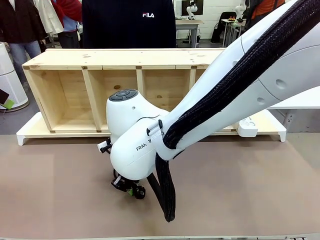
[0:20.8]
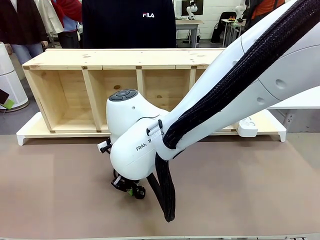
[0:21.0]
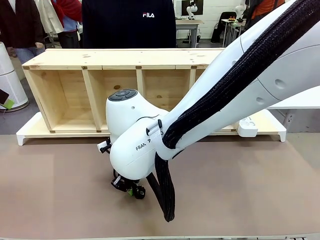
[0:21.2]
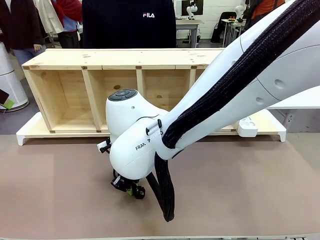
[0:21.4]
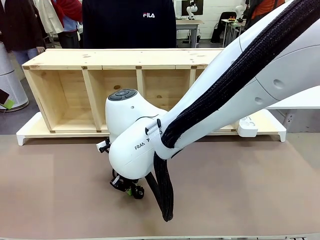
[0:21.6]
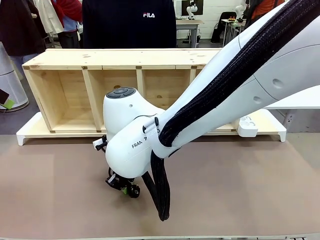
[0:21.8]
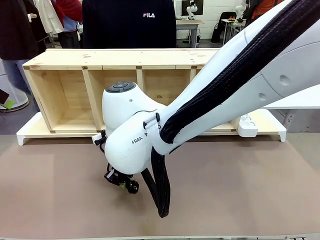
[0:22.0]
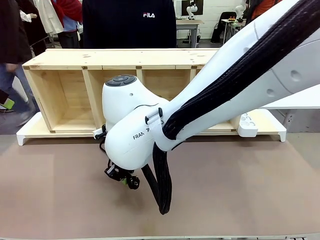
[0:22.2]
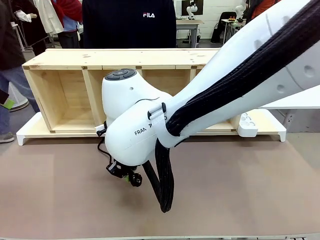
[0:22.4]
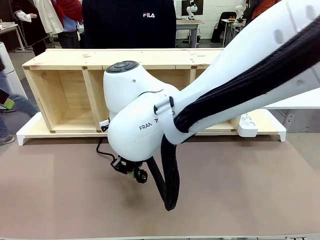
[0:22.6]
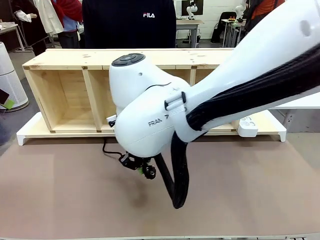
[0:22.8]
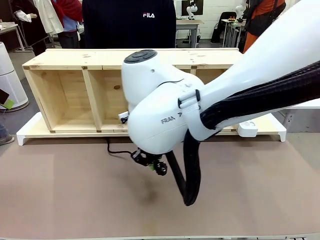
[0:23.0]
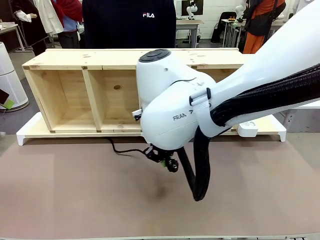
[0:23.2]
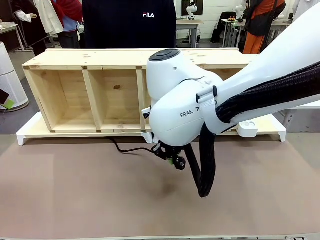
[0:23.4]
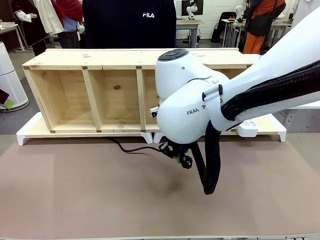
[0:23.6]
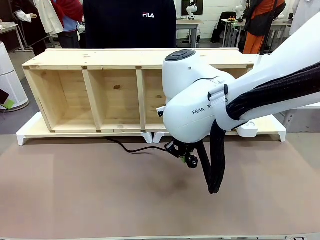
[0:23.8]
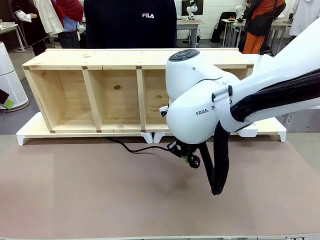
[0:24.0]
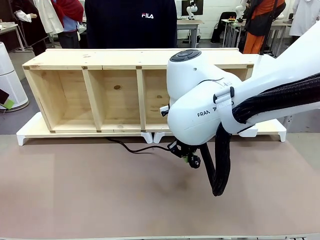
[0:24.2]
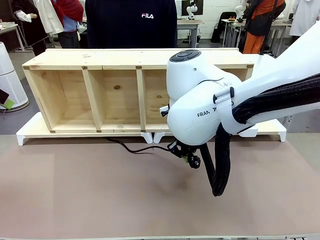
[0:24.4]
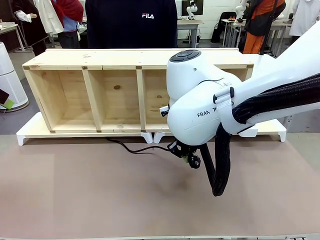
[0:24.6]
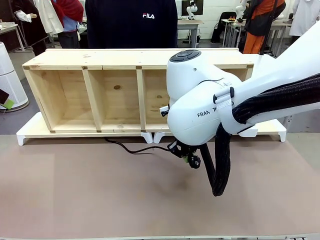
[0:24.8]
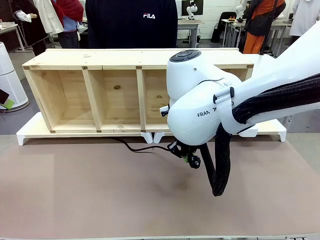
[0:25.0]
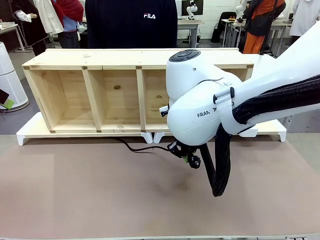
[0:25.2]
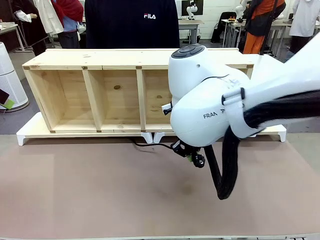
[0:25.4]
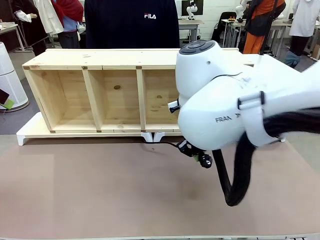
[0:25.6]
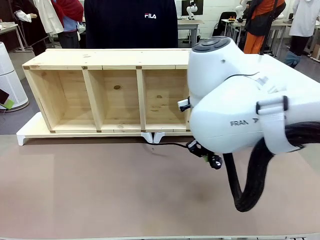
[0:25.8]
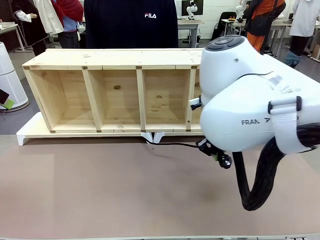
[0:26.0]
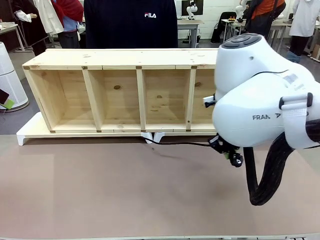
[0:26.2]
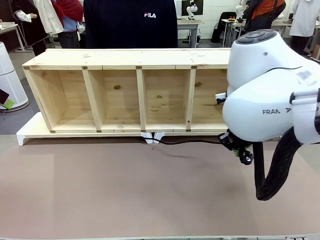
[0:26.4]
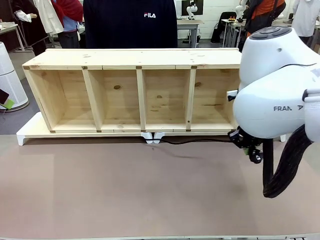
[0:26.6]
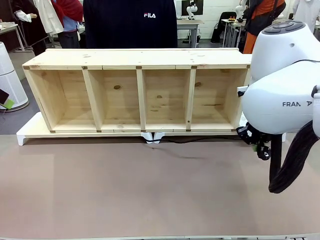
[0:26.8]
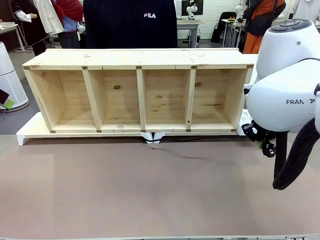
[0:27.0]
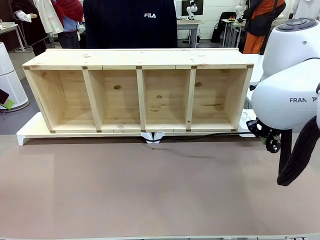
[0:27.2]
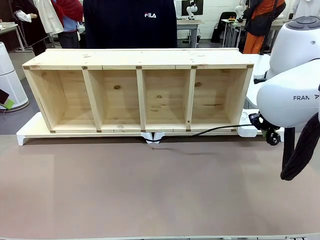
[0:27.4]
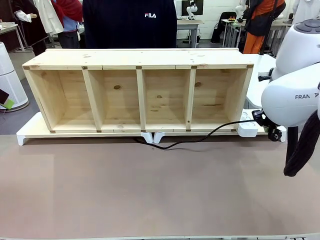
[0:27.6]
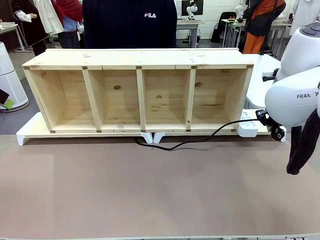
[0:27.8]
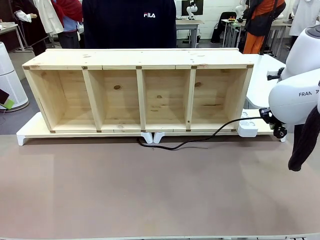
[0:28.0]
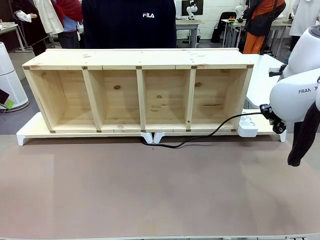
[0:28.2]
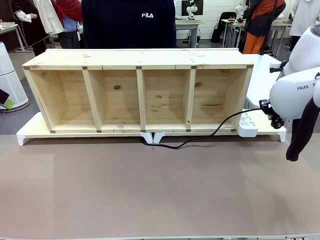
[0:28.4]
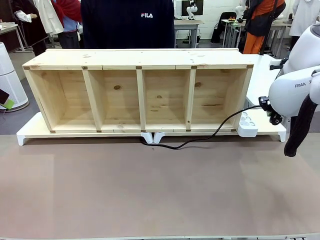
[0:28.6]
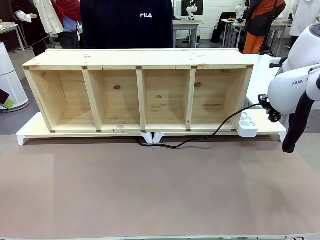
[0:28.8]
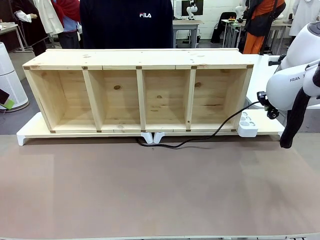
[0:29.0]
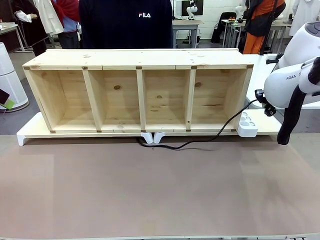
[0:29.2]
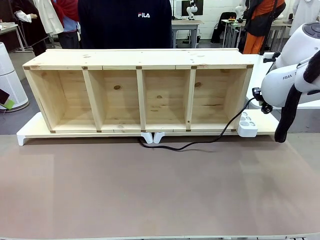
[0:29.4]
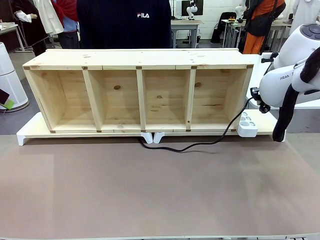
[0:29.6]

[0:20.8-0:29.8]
Task: Perform cable management.
Robot: Pull the grasped Power Cable to the location of the Power Strip.

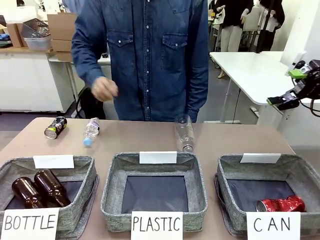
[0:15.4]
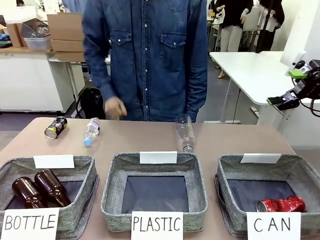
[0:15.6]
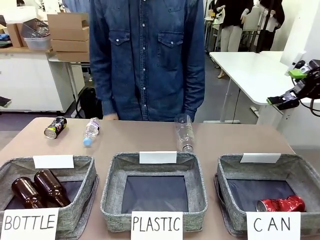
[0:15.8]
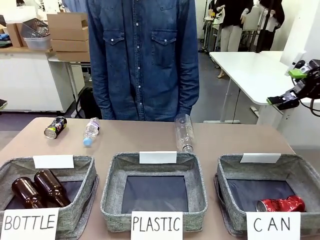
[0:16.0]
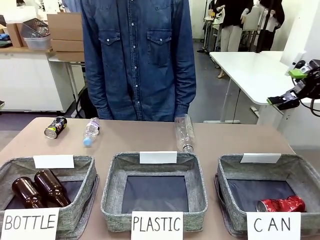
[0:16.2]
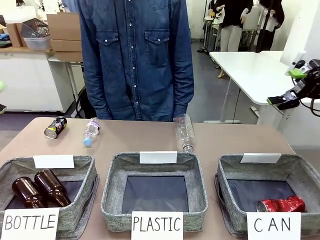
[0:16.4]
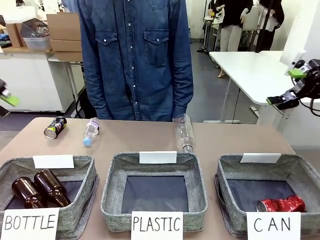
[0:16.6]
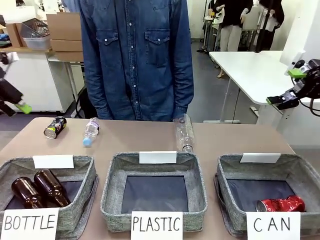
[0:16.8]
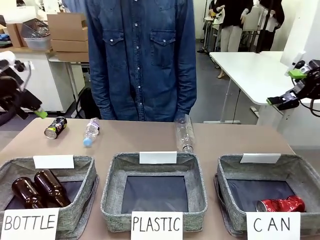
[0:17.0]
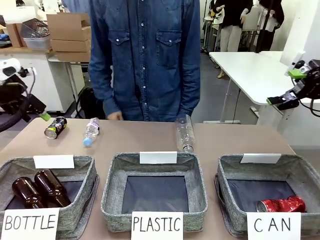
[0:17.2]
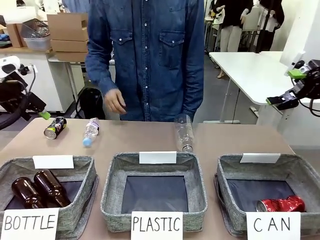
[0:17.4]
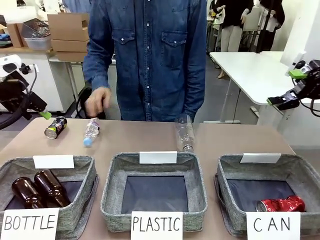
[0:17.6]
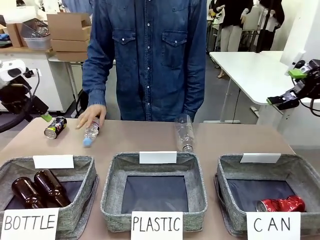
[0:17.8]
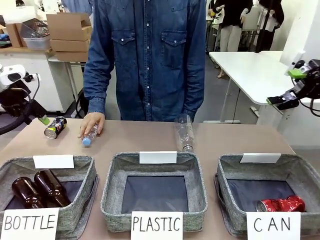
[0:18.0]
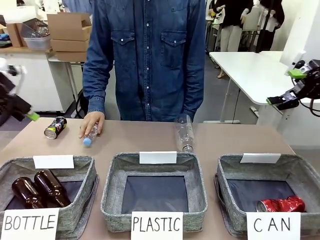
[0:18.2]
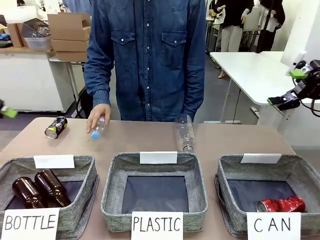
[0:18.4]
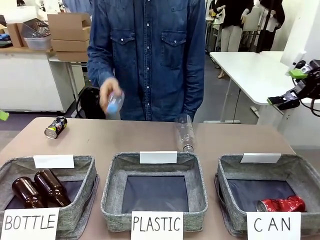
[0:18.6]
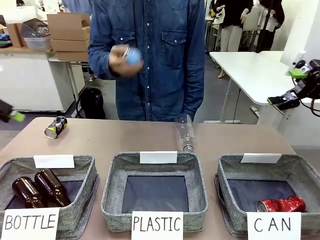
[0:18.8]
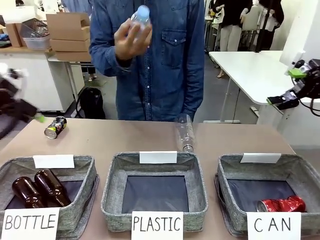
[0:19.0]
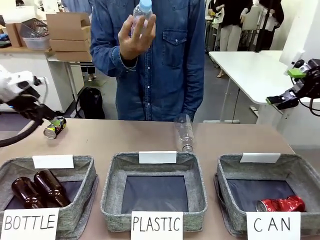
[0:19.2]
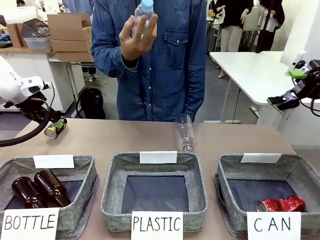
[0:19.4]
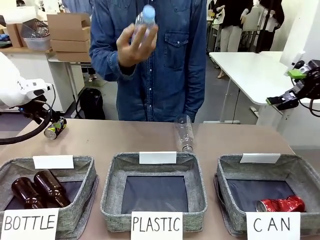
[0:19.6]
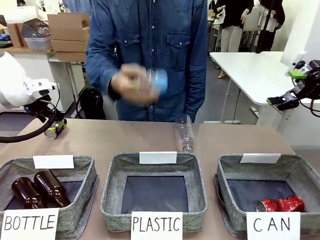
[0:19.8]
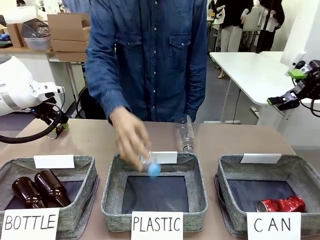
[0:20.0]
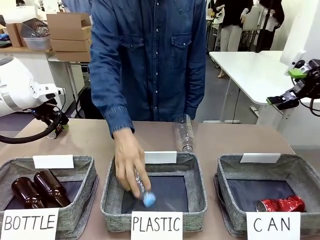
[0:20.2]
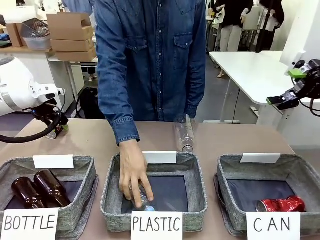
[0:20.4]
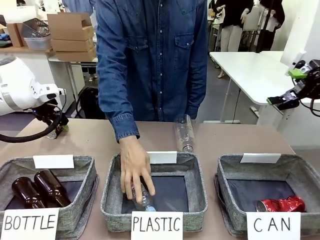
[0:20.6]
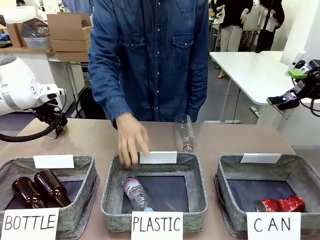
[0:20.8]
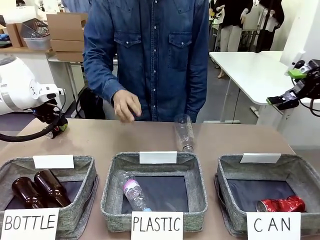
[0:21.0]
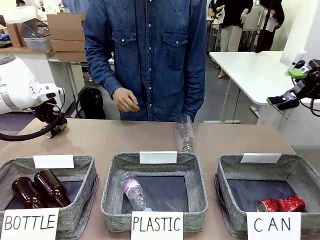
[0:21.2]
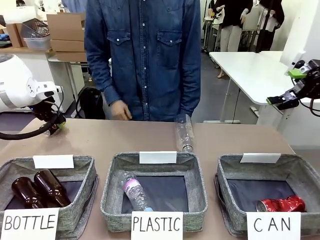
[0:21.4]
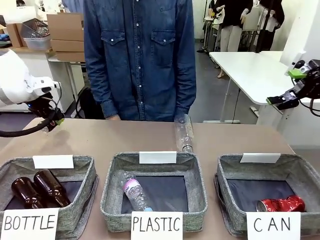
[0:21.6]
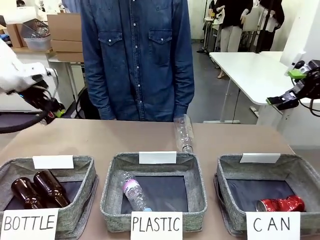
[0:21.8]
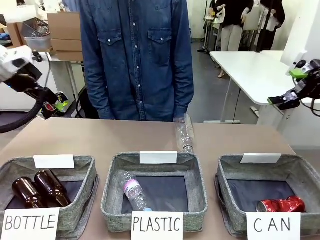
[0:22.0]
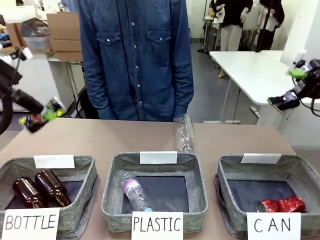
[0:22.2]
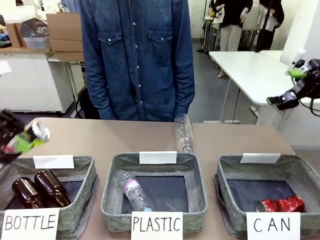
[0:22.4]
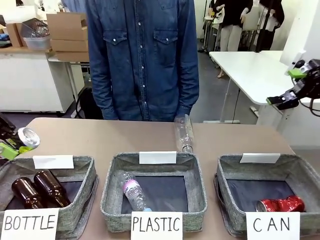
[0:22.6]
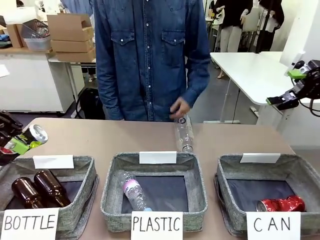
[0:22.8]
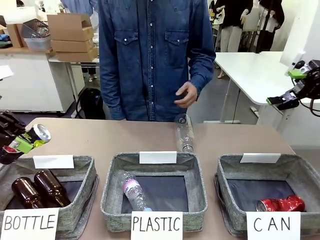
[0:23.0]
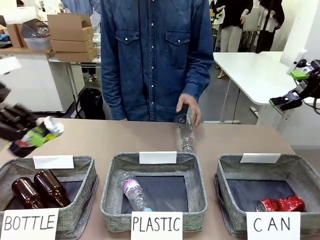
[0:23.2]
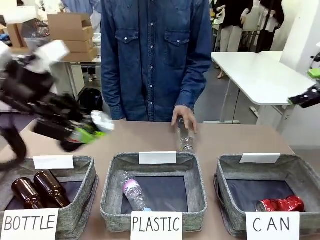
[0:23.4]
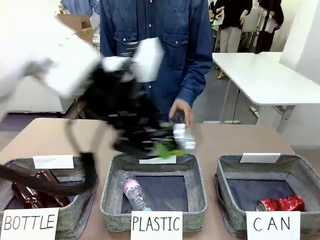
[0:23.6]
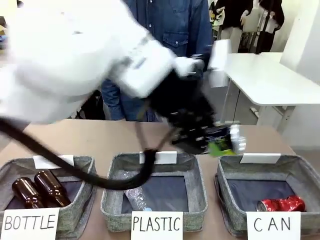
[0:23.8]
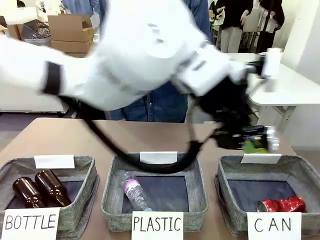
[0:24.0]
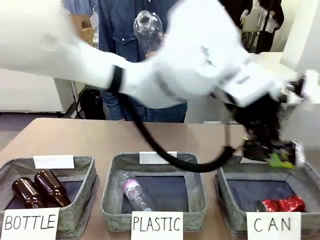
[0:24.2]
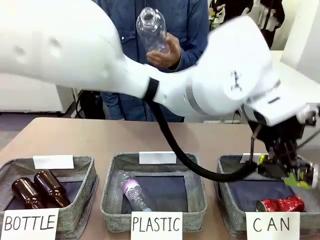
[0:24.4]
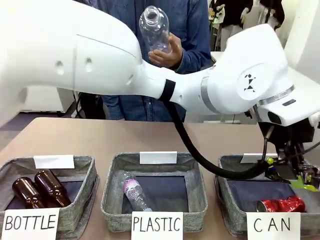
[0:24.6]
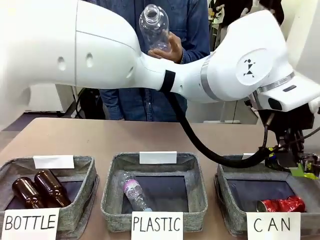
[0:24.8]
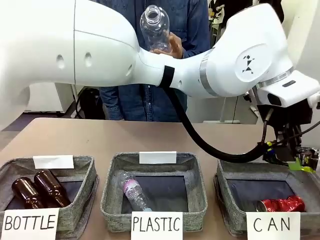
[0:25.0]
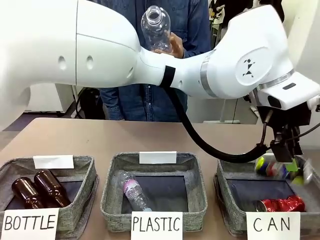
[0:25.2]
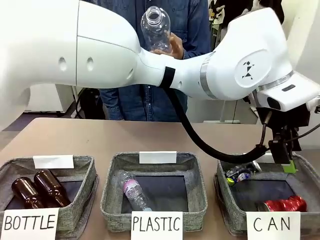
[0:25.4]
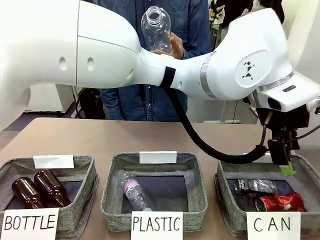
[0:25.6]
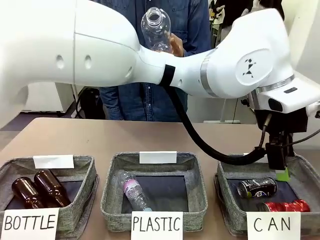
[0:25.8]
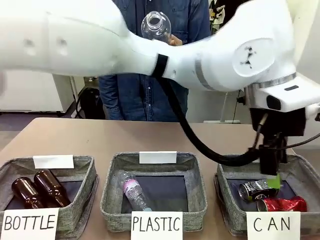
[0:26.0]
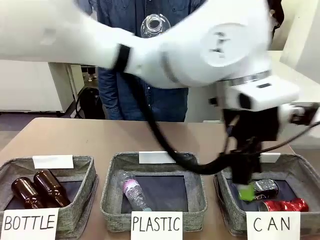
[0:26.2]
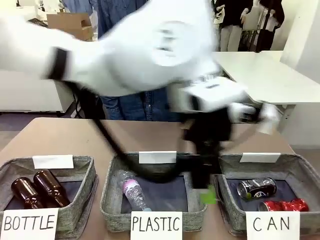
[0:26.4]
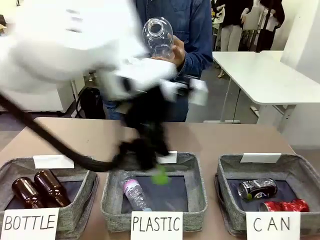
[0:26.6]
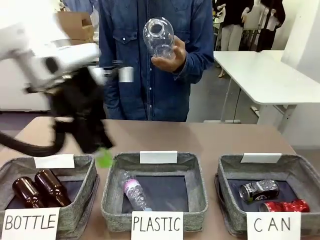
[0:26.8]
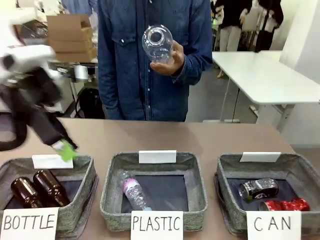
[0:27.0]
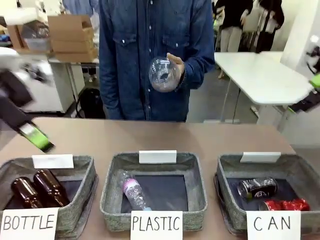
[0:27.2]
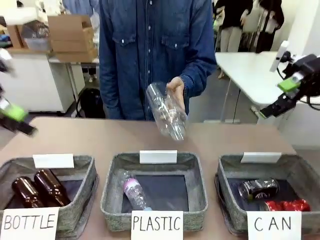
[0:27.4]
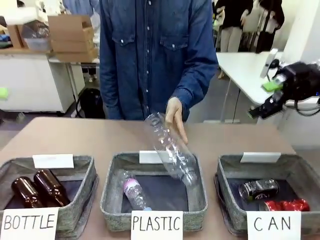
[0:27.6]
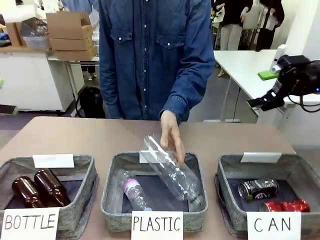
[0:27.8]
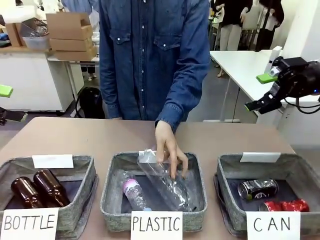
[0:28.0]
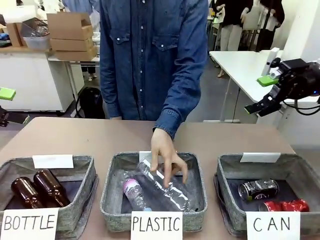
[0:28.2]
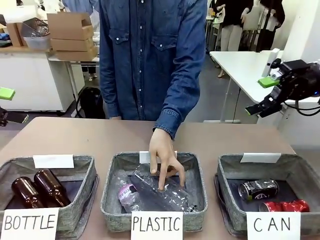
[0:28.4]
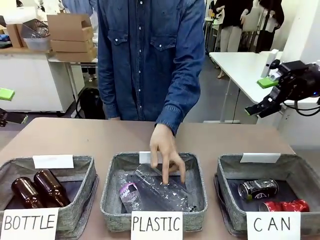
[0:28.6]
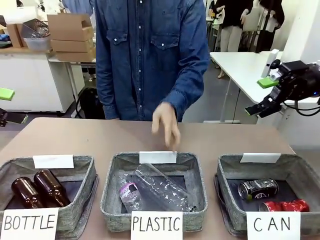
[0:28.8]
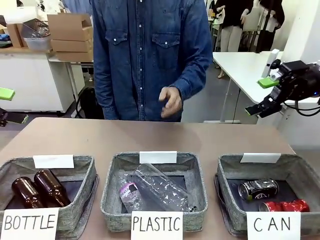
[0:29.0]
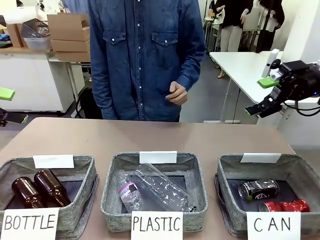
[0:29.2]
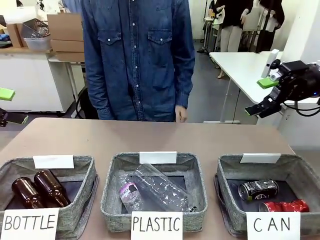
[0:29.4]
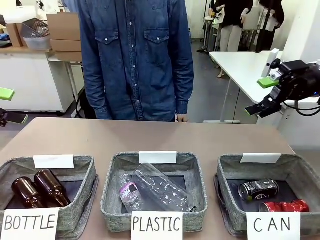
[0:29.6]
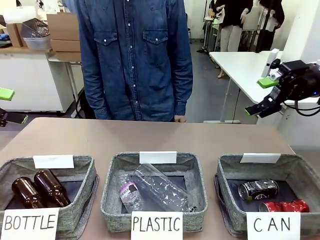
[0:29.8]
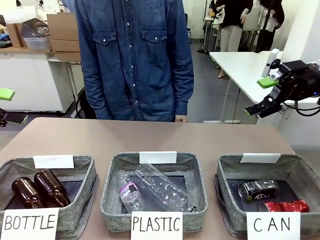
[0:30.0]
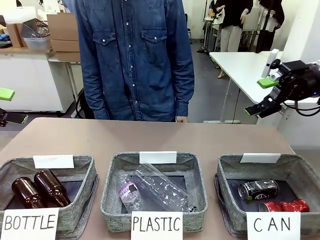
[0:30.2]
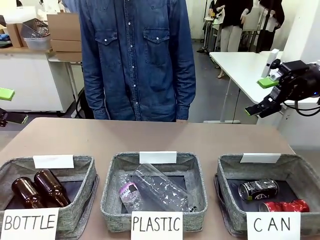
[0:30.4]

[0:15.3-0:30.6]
Task: Sort the can waste into the basket.
Robot: Pick up the can waste from the table and place it in the right Fabric basket.
